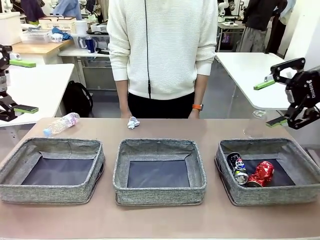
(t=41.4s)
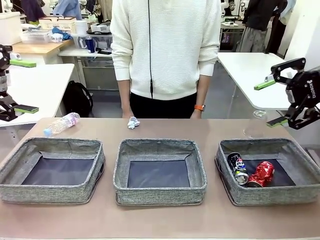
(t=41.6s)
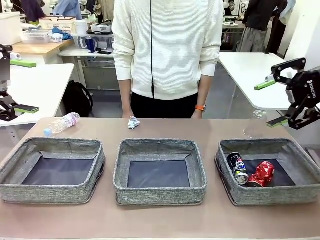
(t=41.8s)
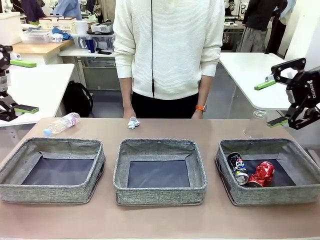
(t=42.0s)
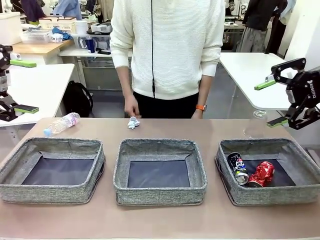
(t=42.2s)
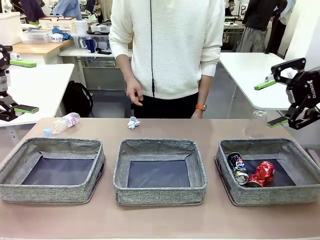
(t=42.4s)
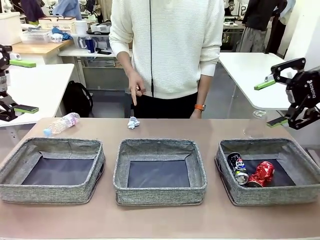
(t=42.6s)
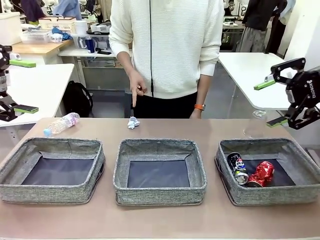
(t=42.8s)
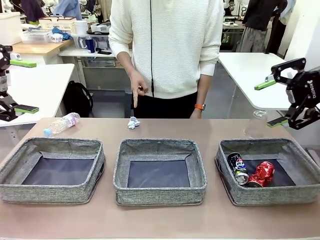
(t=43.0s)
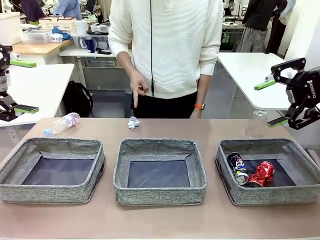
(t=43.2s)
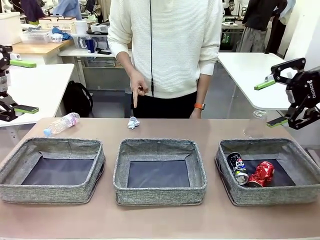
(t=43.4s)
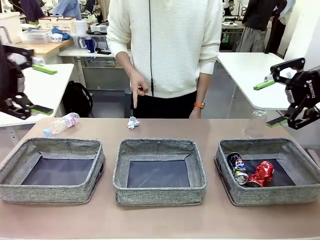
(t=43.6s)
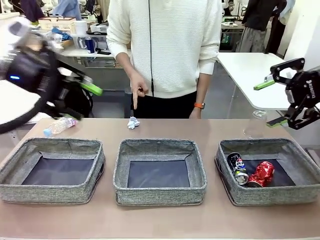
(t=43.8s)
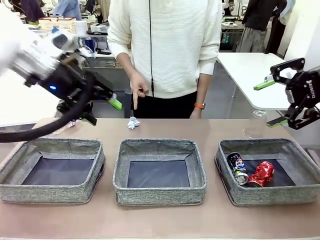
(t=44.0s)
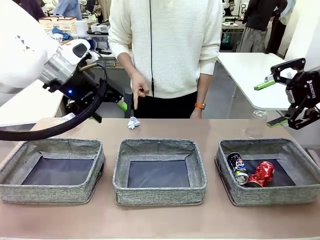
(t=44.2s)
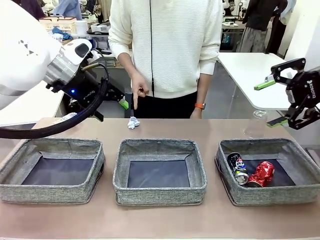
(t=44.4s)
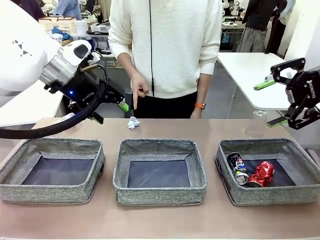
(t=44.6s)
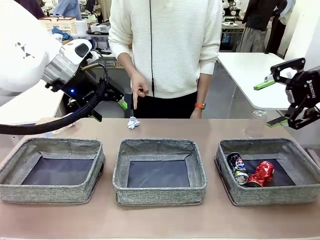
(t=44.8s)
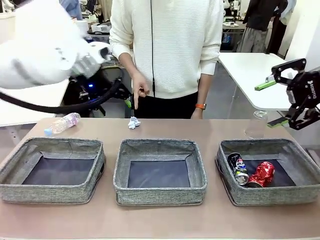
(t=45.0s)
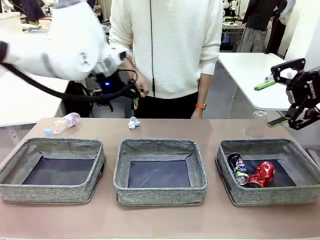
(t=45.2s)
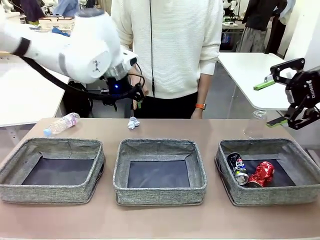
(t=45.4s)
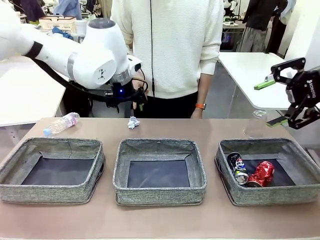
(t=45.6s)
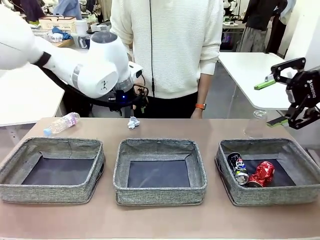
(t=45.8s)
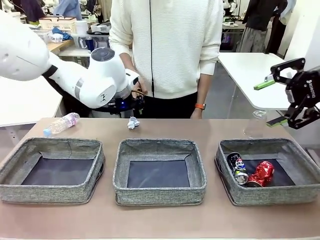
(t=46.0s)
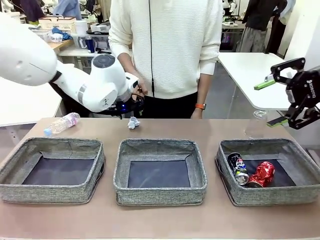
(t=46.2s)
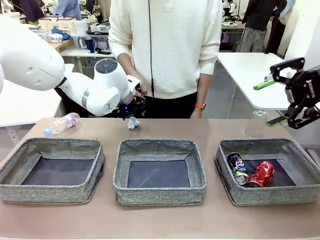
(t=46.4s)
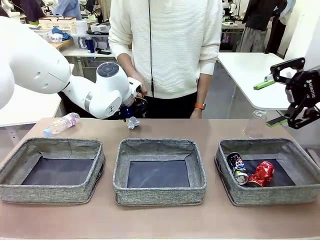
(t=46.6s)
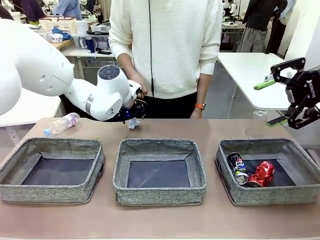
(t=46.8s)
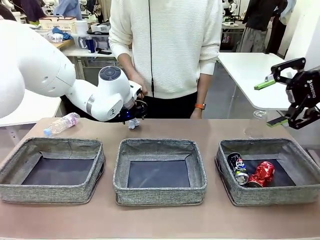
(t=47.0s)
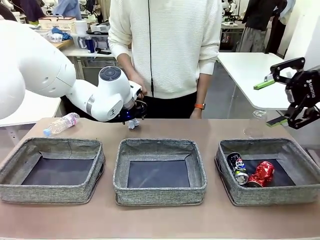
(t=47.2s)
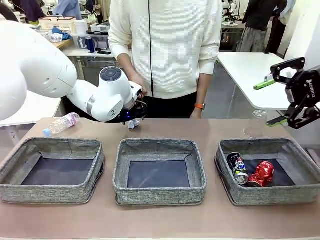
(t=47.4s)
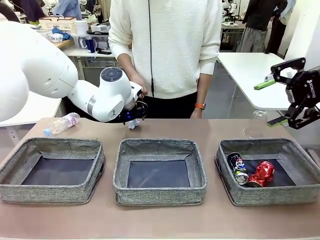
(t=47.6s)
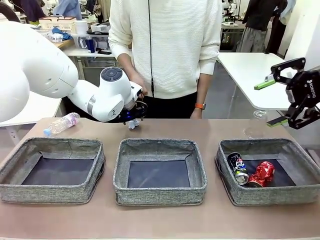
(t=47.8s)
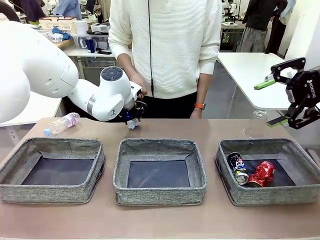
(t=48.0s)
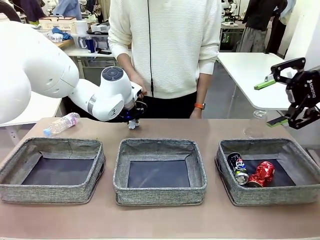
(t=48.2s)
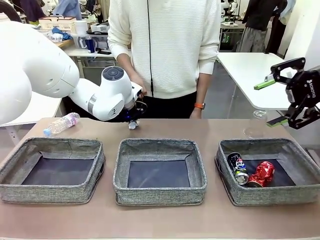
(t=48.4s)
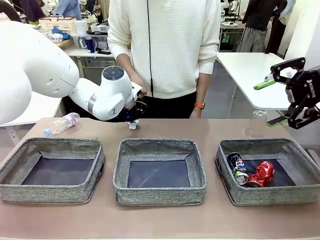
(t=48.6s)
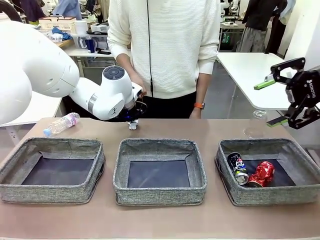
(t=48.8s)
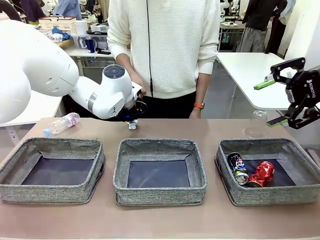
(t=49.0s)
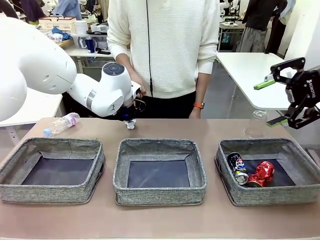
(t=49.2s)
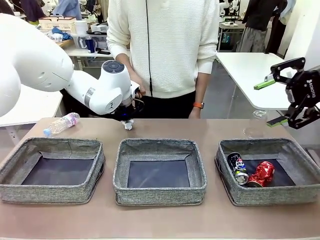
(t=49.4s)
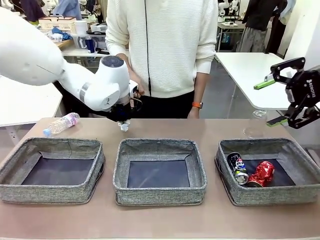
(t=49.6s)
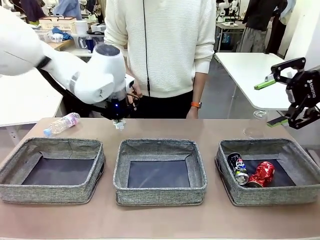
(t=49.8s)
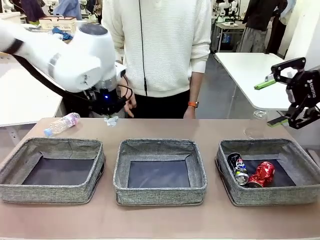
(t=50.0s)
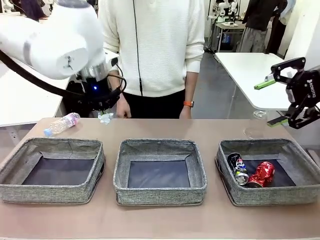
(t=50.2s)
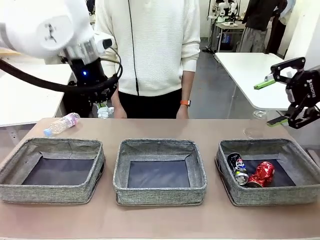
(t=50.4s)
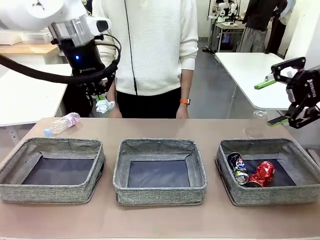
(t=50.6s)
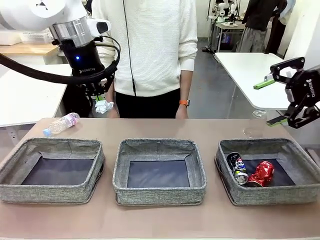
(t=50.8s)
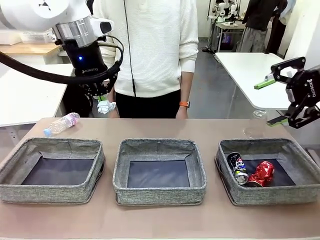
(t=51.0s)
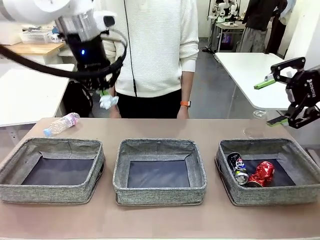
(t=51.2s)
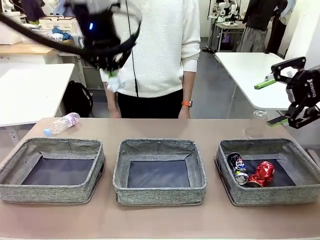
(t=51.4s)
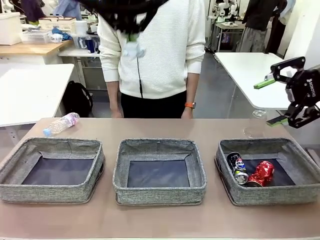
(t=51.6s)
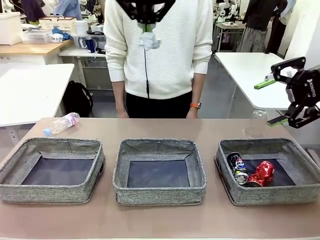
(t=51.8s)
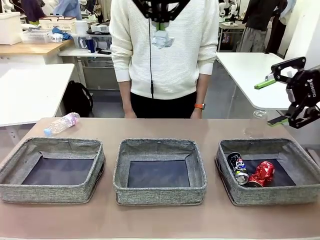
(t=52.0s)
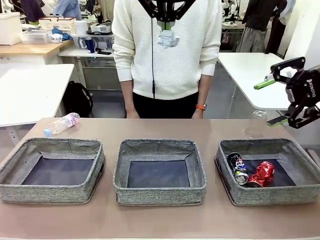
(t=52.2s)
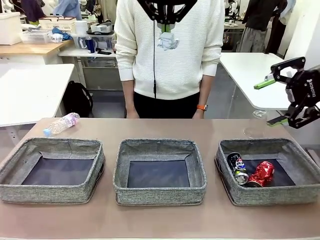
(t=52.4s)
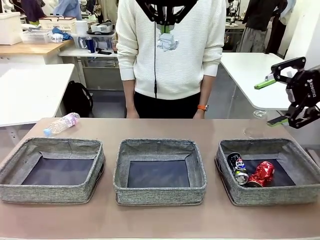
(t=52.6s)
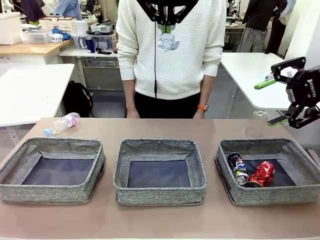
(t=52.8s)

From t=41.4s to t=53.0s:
Task: Sort the waste into the appropriate baskets.
Robot: Pick up the waste item pointed out by the person.
Person: Points to one piece of trash on the table.

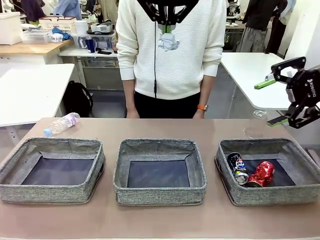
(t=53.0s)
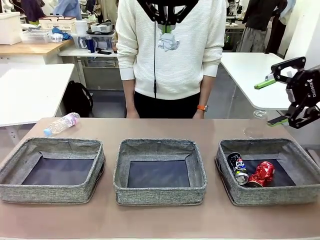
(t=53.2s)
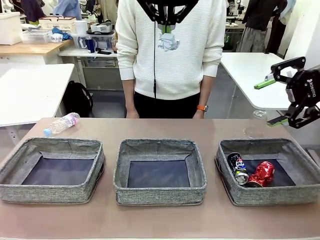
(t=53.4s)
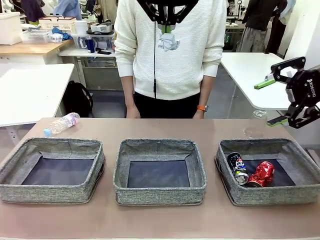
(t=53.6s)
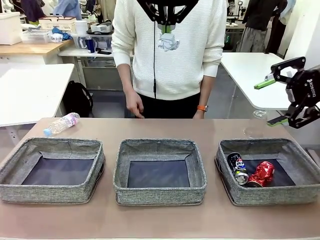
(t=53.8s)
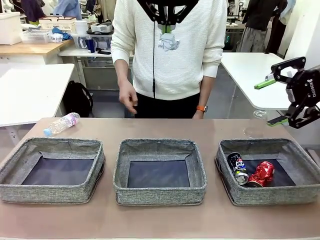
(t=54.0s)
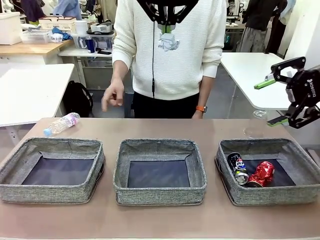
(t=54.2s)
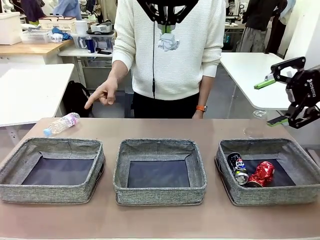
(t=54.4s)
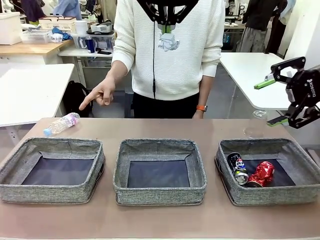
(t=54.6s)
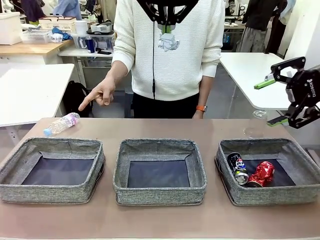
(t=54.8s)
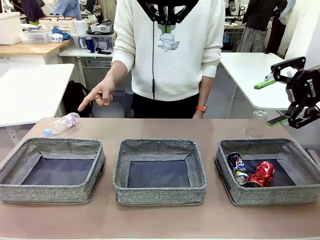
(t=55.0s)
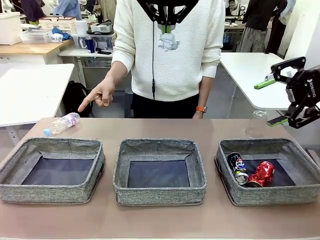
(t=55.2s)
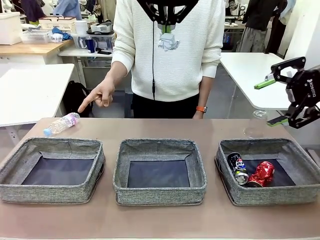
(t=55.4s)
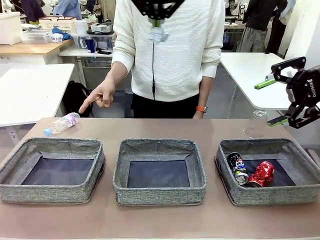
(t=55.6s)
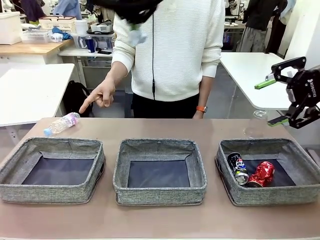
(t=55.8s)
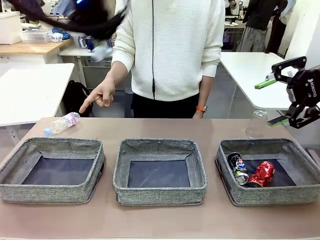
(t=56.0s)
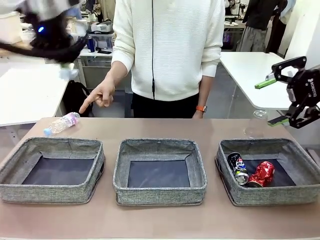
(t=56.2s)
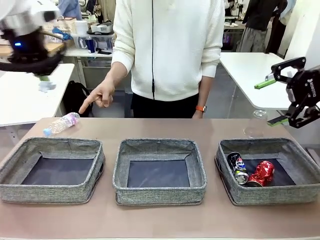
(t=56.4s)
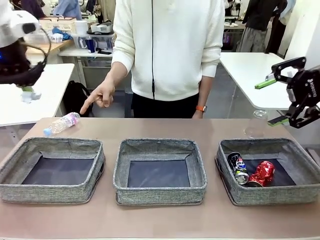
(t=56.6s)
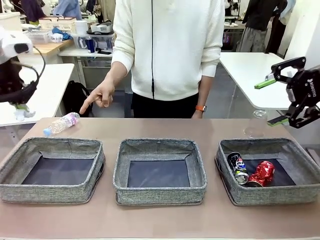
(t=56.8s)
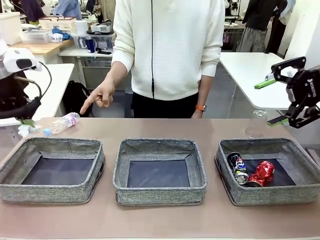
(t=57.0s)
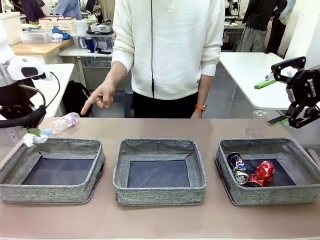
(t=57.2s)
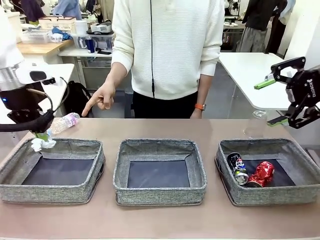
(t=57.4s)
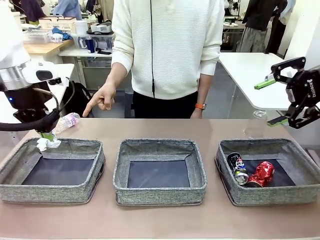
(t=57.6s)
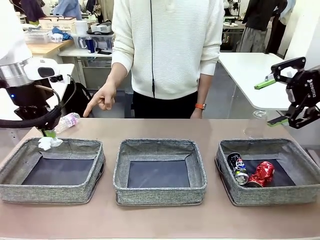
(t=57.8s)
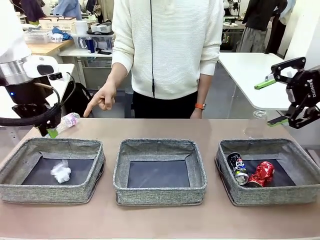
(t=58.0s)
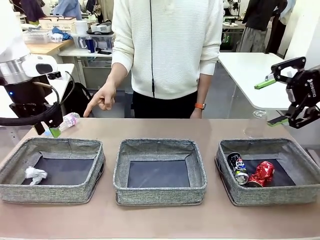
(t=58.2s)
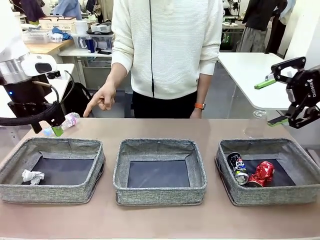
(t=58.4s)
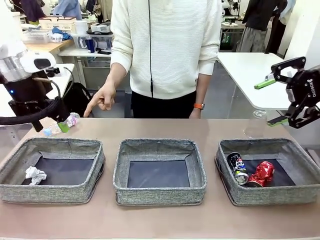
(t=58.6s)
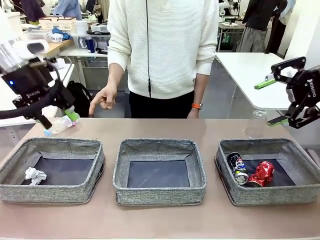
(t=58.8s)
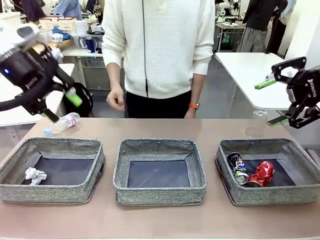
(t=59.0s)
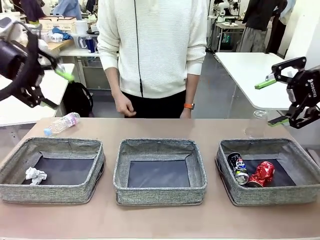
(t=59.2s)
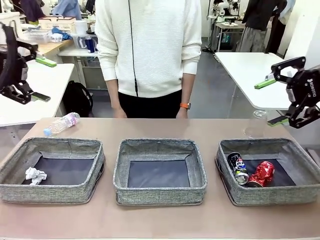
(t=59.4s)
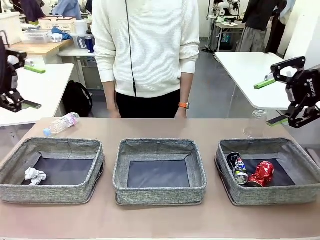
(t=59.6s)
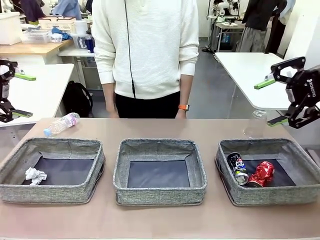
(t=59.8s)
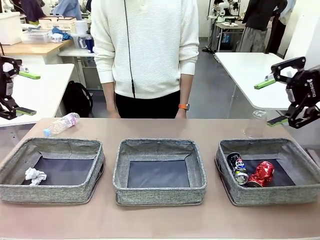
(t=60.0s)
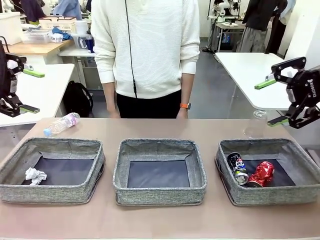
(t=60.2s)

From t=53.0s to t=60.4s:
Robot: Place the picked waste into the Fabric basket indicated by the person.
Person: Instructs the robot to place the picked-up trash into the appropriate organizing basket.
